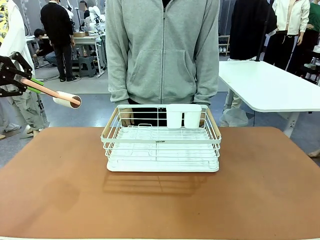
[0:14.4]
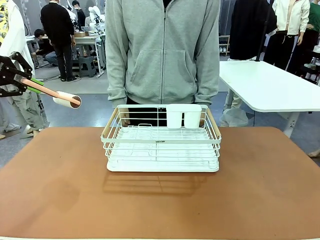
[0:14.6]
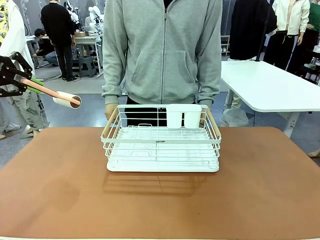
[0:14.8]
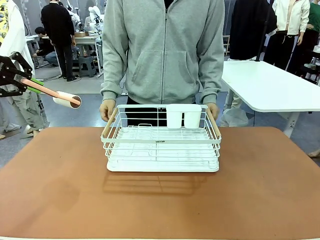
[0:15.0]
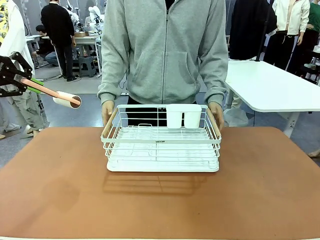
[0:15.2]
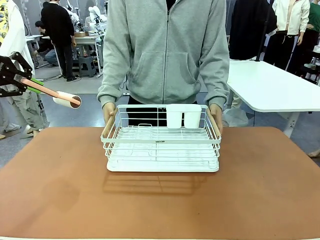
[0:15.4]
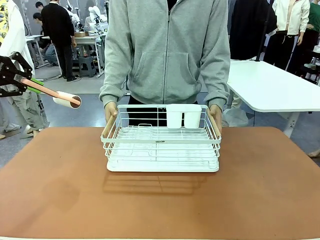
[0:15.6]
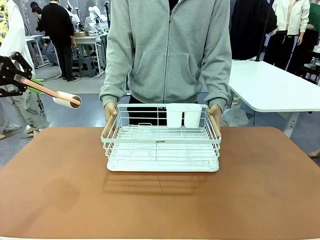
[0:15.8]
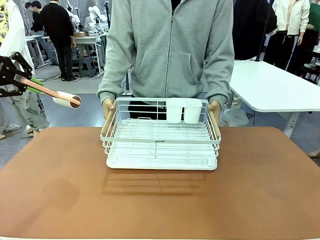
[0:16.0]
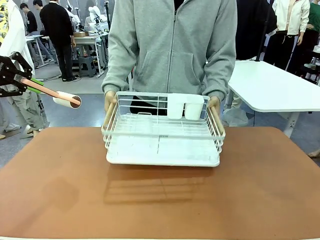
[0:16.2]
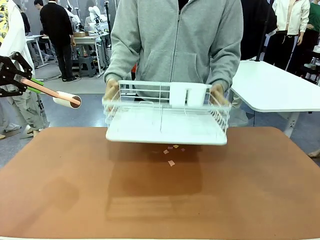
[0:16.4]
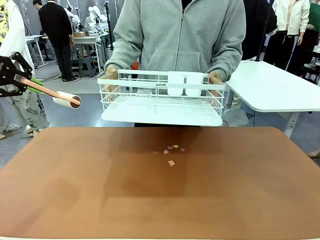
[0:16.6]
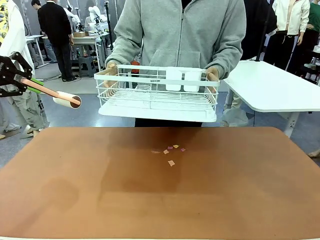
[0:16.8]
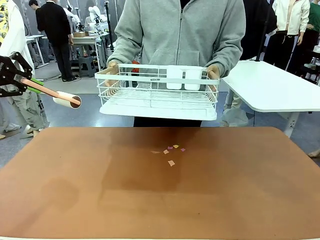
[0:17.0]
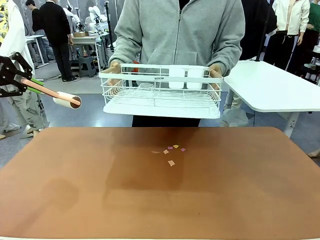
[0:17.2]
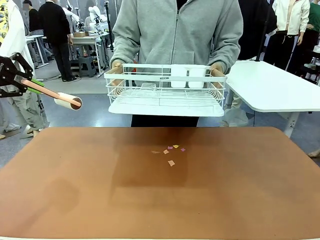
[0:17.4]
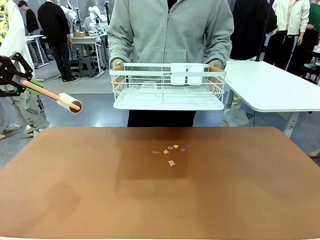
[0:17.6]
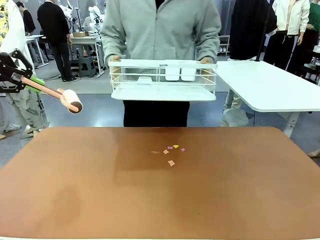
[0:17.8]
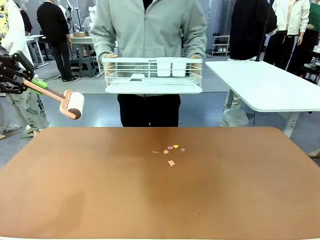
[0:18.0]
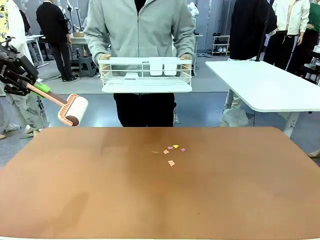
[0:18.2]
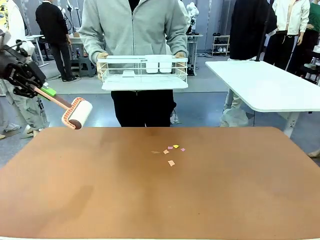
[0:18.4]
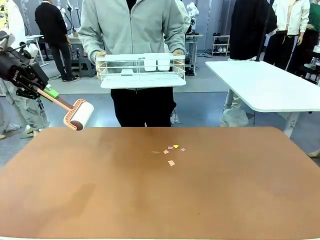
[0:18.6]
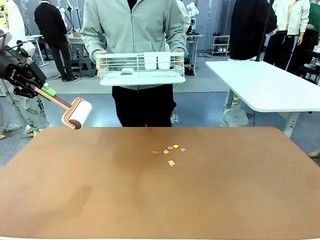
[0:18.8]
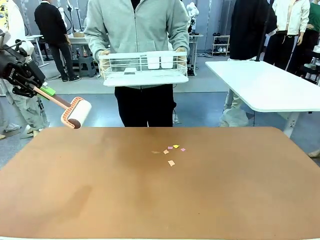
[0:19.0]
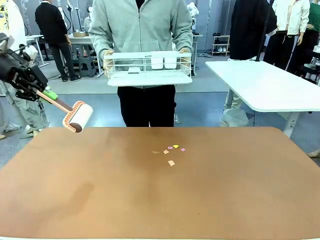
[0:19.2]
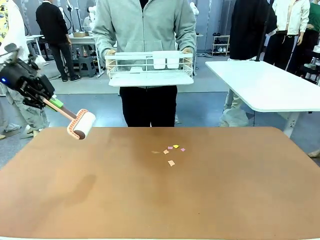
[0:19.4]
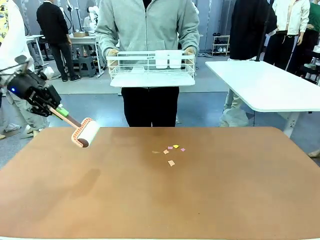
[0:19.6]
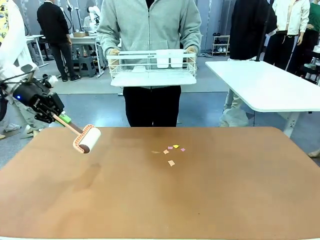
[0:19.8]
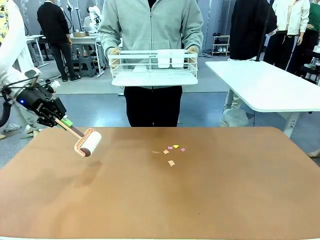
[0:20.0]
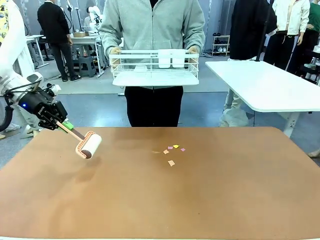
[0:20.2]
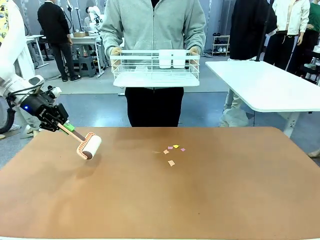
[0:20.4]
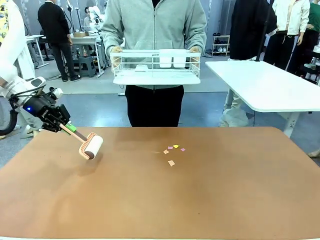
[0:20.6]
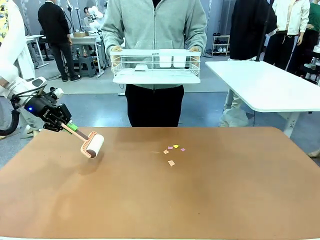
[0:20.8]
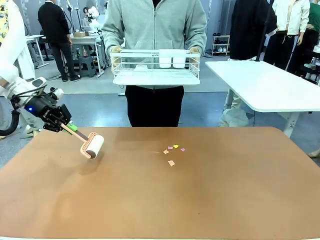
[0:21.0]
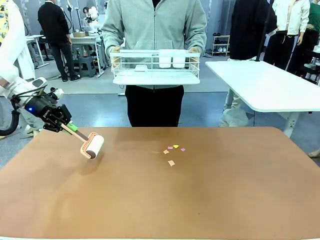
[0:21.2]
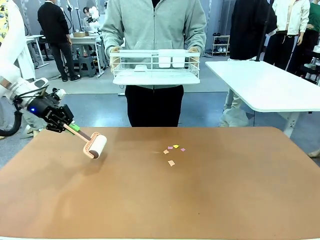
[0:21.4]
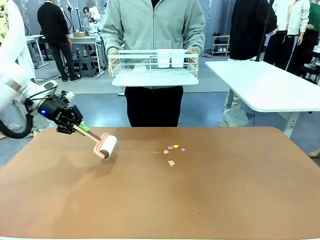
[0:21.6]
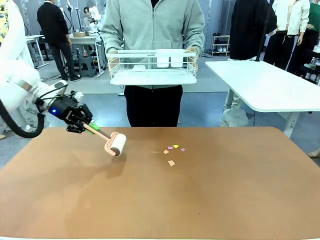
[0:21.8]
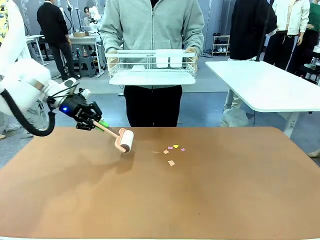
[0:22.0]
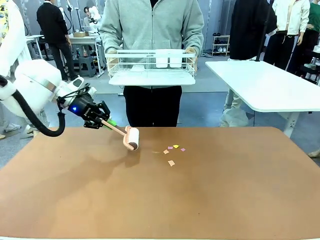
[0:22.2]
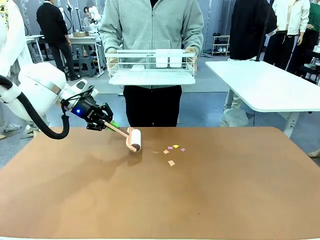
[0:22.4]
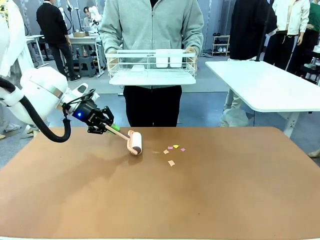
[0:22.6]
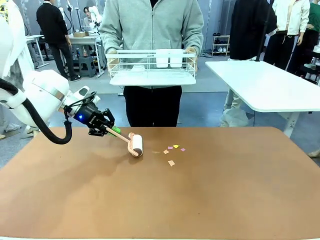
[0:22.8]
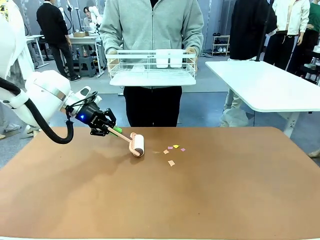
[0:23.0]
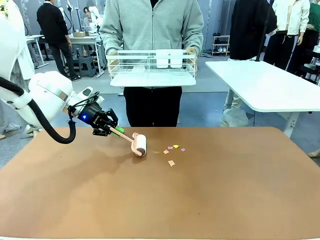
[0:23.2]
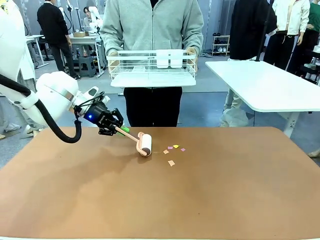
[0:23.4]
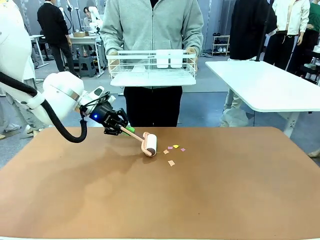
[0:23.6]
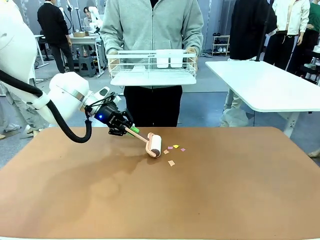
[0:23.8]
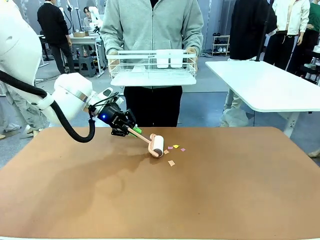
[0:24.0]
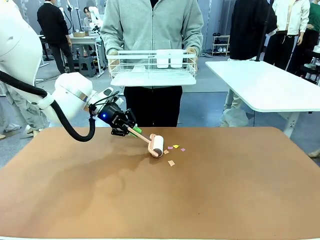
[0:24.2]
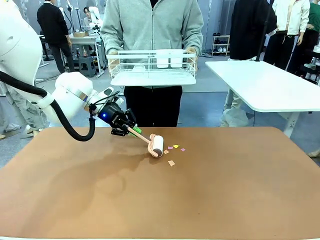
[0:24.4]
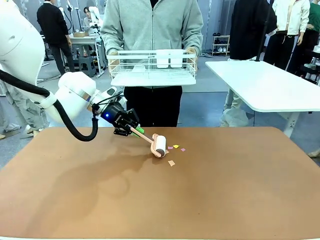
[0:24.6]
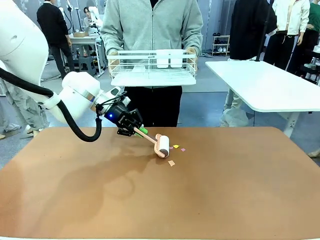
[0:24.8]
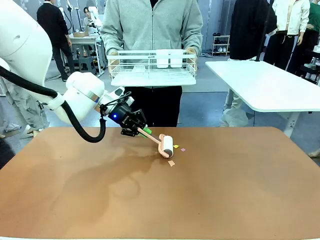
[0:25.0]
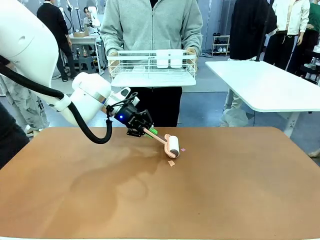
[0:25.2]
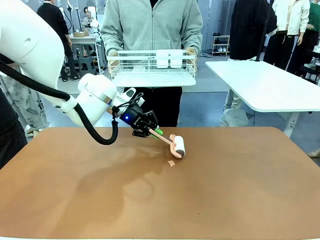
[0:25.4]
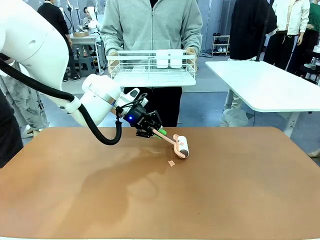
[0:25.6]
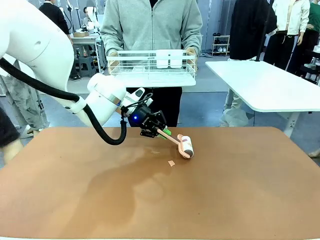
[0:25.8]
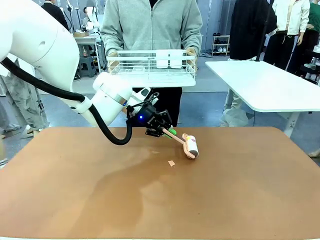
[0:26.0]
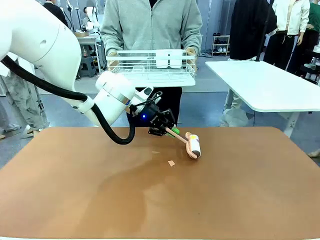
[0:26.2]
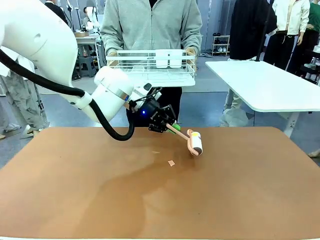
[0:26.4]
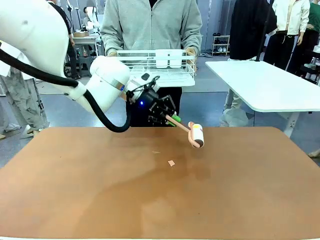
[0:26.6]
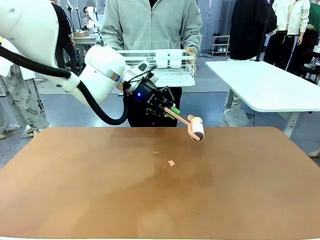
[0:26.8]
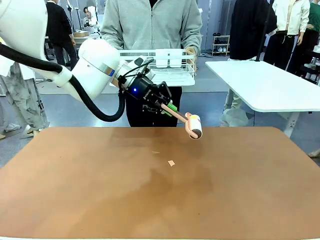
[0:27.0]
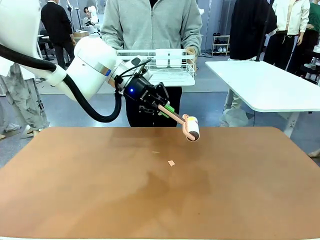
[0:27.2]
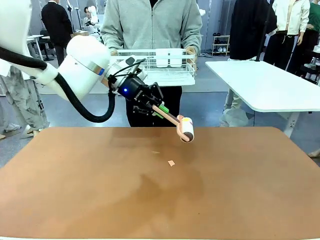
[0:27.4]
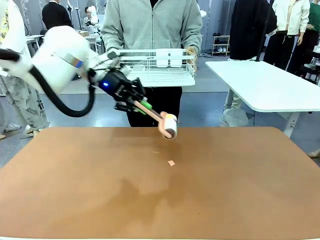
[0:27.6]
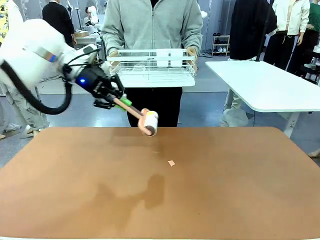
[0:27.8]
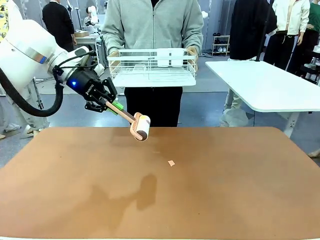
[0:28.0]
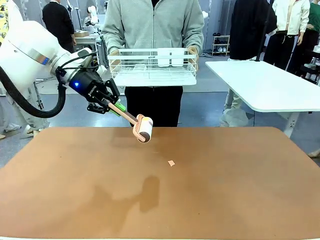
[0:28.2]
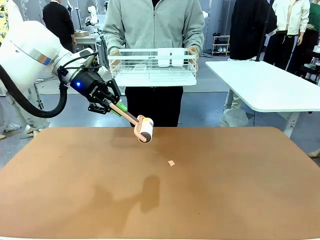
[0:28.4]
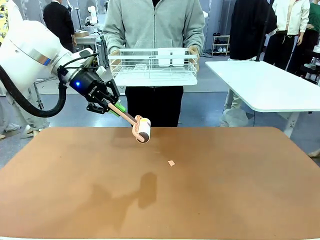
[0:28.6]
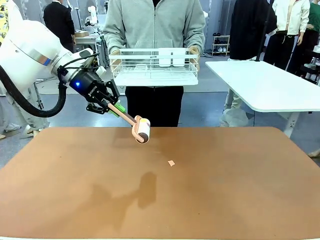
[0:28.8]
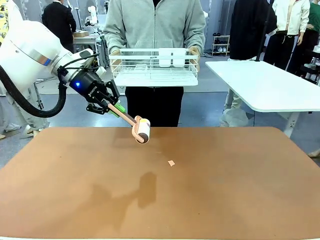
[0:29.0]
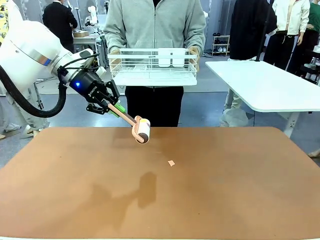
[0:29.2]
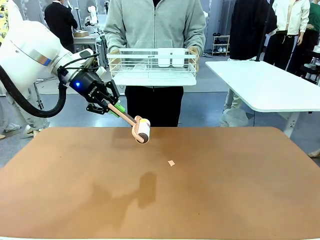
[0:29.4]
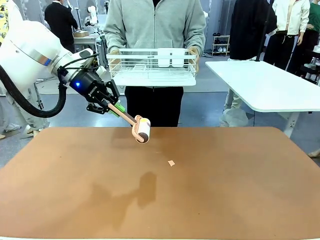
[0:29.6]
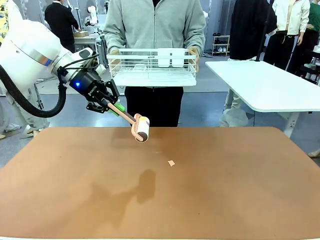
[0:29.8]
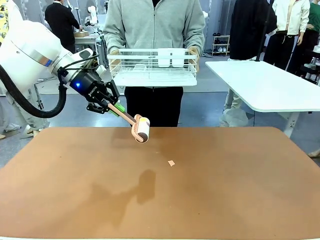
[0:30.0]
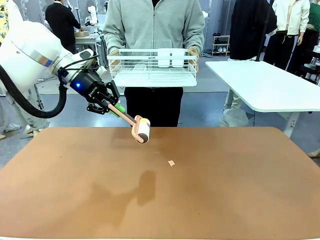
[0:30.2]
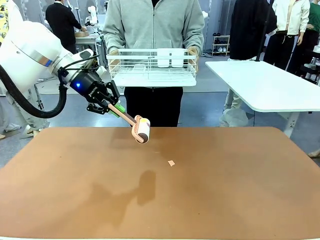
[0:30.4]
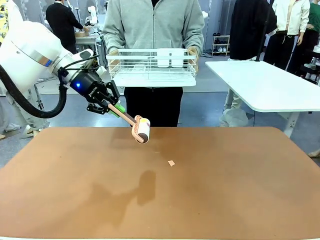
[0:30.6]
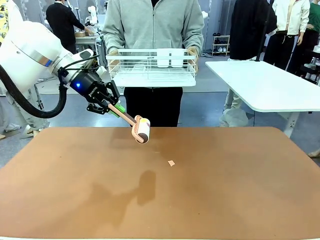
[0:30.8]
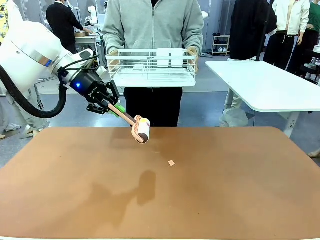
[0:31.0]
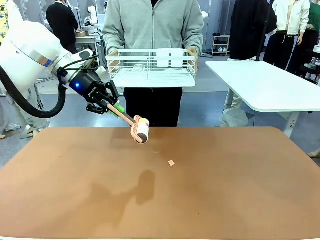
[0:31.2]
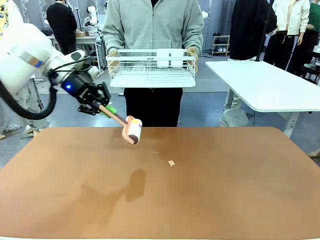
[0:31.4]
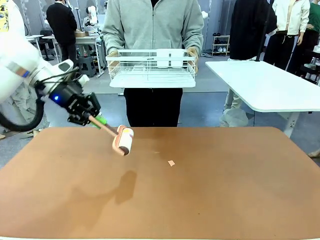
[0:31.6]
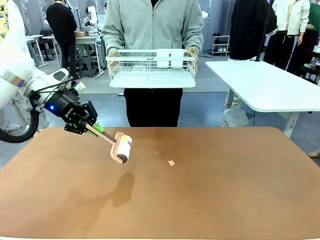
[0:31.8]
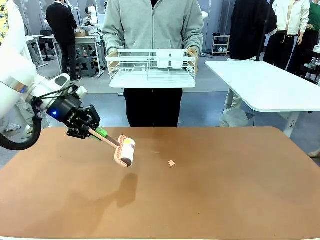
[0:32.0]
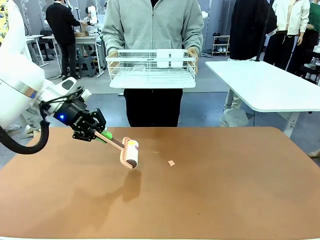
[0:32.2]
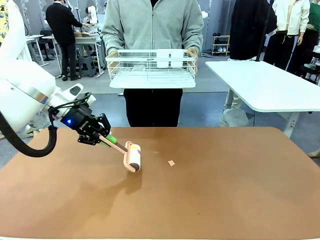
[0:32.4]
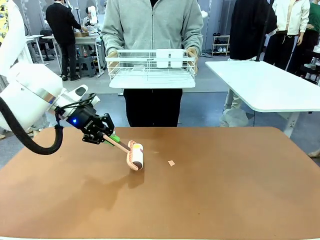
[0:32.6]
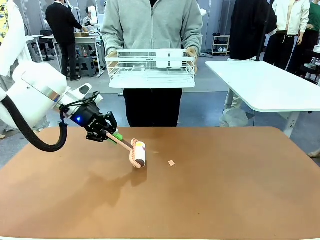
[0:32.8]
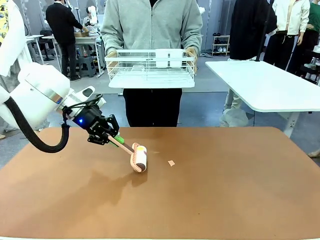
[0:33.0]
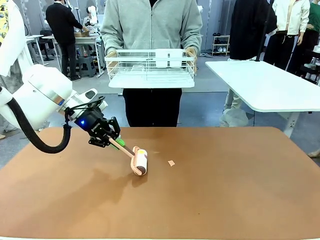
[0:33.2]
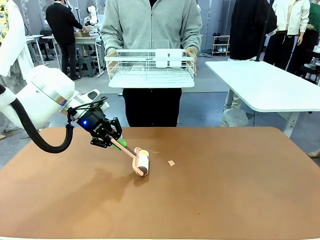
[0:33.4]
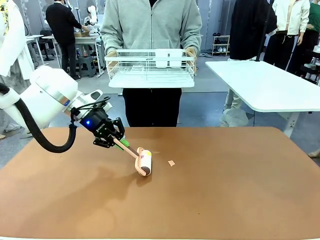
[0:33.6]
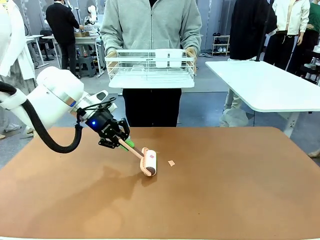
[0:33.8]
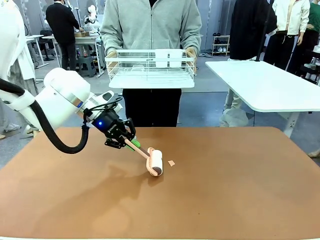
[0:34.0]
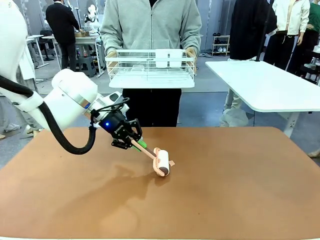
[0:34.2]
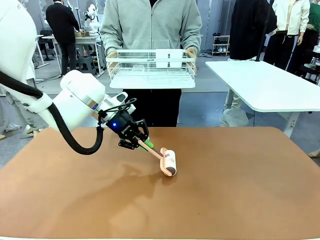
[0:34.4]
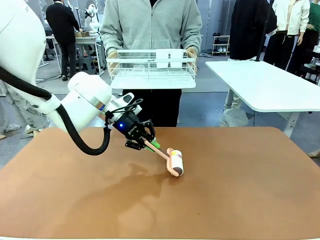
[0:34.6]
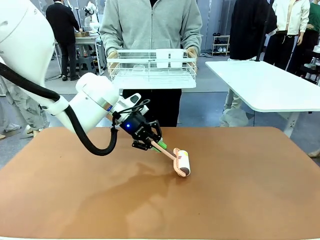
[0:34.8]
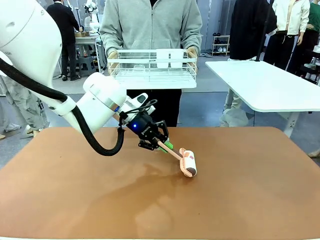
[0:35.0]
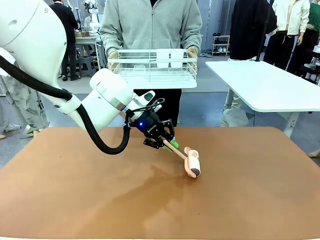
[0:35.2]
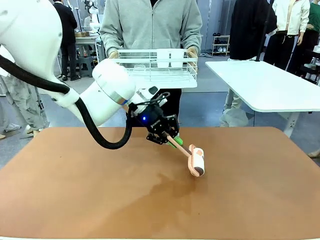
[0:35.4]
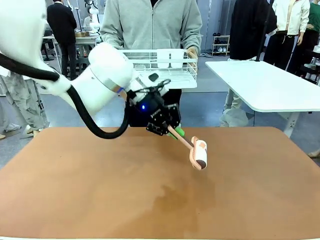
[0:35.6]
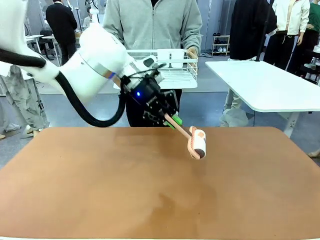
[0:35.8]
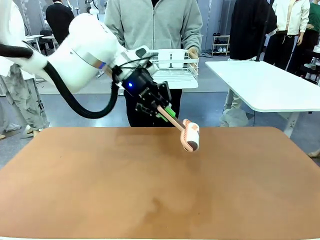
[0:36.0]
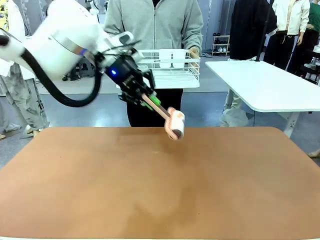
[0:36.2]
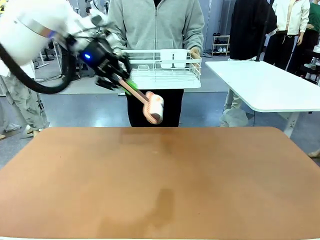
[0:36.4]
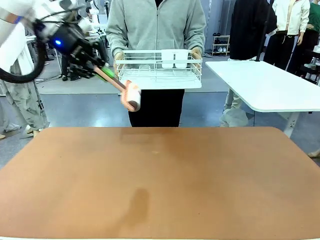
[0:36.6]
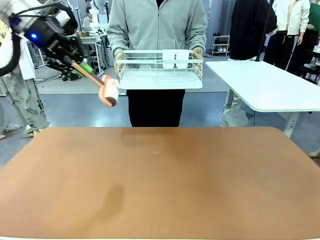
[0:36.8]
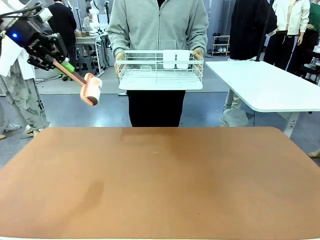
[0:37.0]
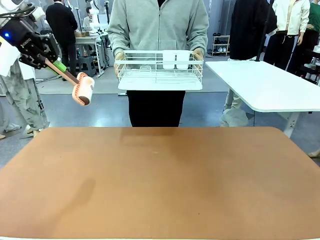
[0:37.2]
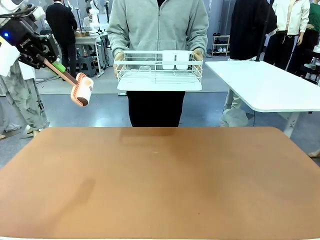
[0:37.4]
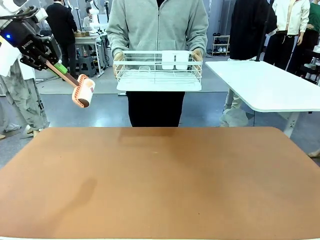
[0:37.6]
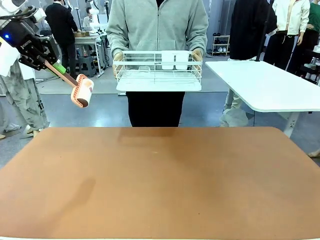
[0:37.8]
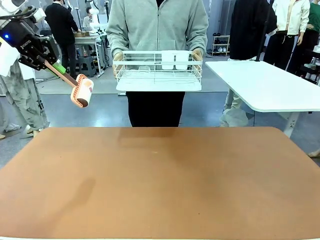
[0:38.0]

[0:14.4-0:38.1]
Task: Clean the table.
Robot: Clean the table with the Lint Roller when the human lifts the Dish drying rack.
Person: Place the Dish drying rack down when the robot finishes cleaning.
